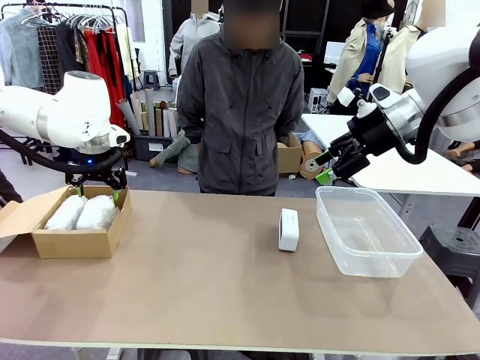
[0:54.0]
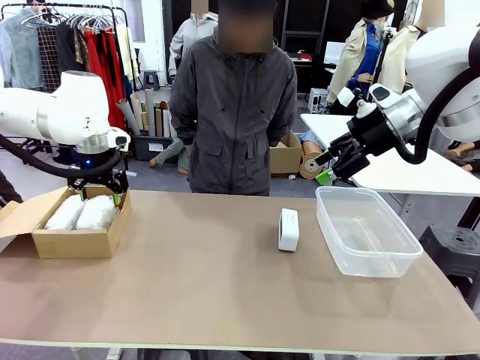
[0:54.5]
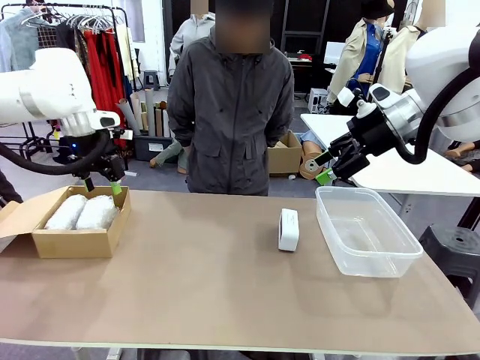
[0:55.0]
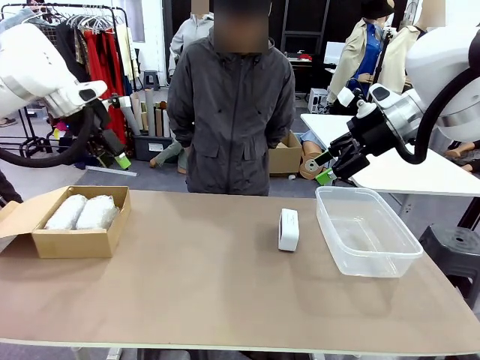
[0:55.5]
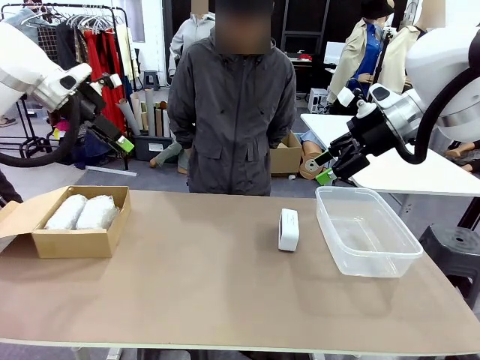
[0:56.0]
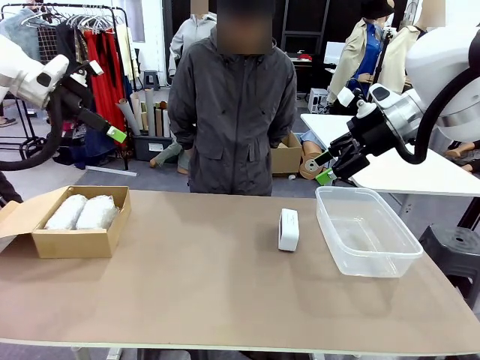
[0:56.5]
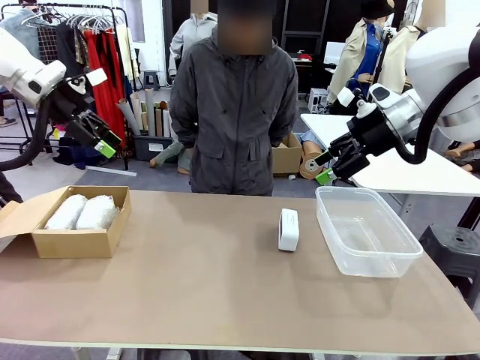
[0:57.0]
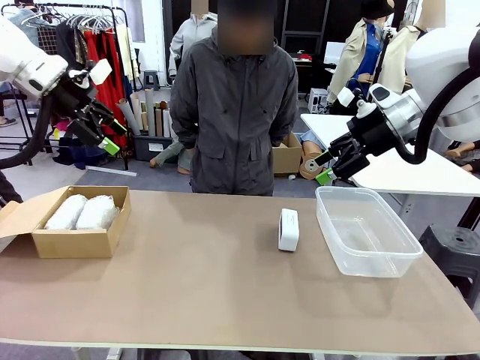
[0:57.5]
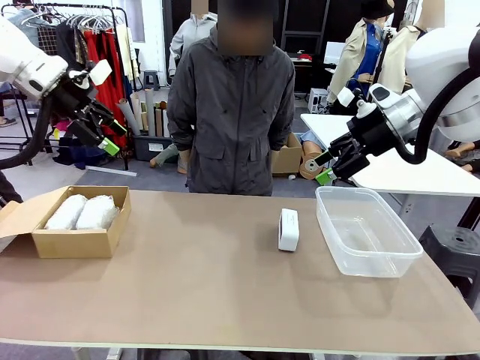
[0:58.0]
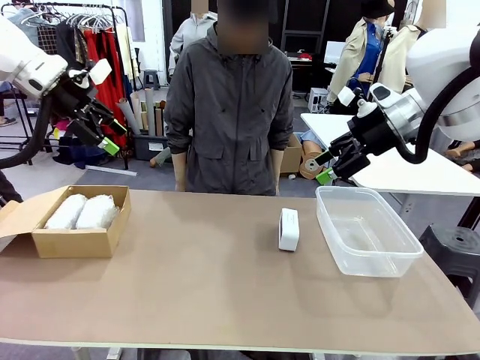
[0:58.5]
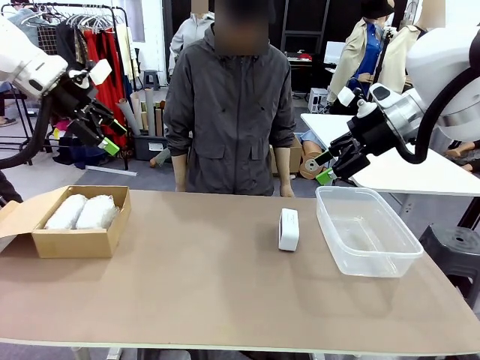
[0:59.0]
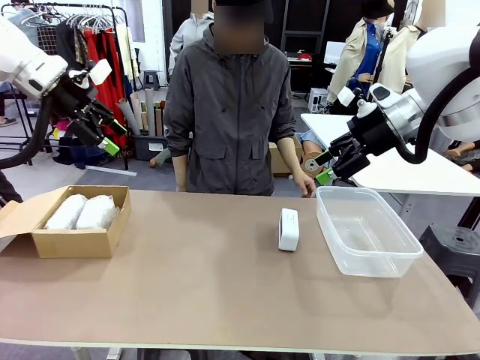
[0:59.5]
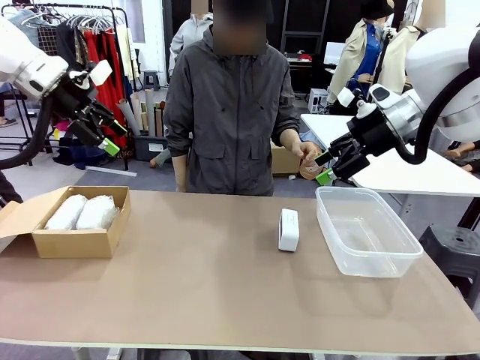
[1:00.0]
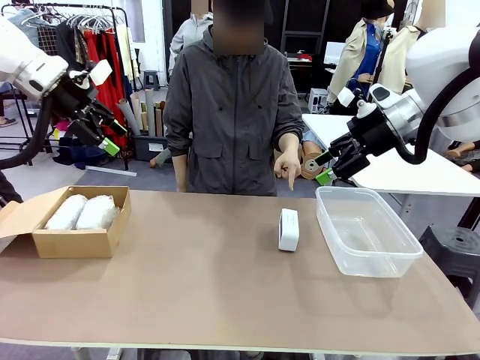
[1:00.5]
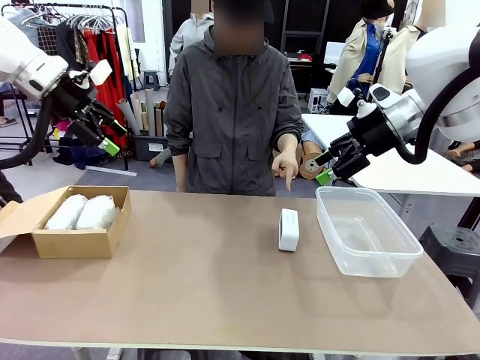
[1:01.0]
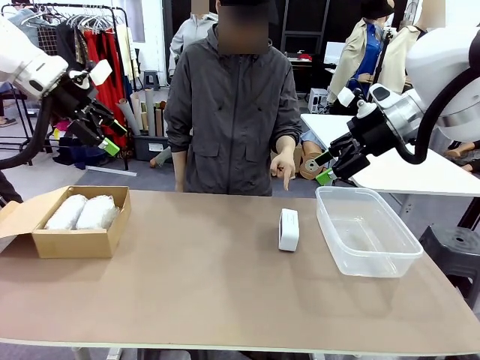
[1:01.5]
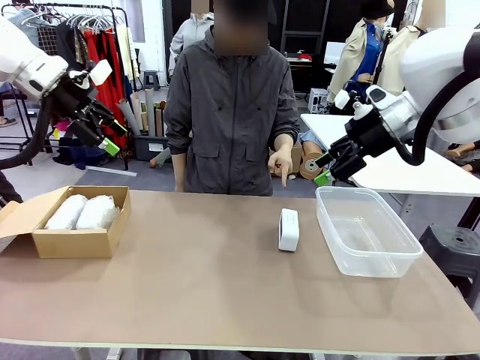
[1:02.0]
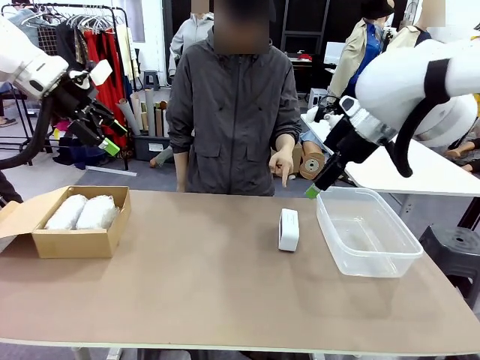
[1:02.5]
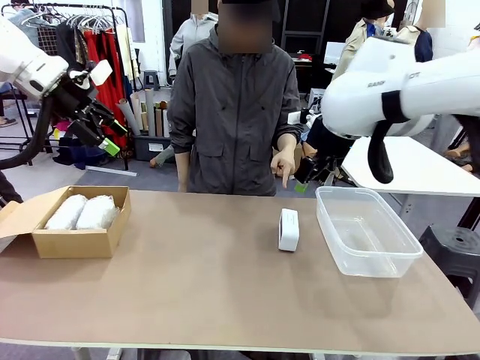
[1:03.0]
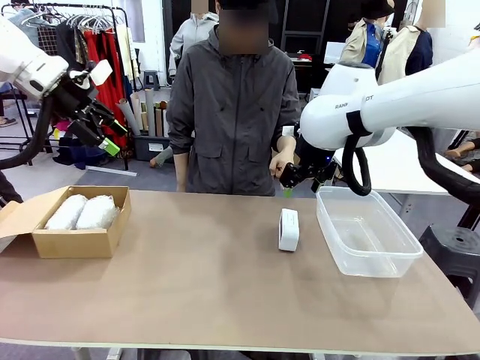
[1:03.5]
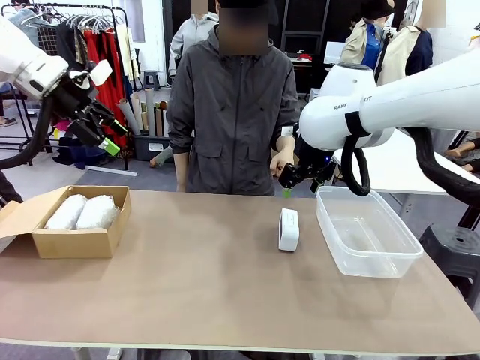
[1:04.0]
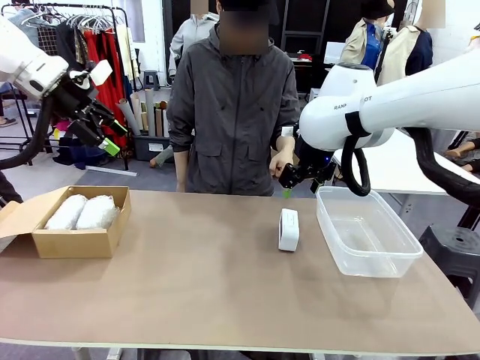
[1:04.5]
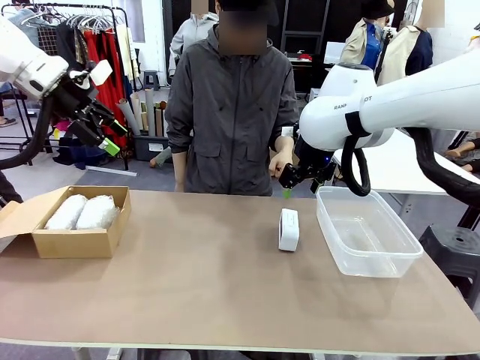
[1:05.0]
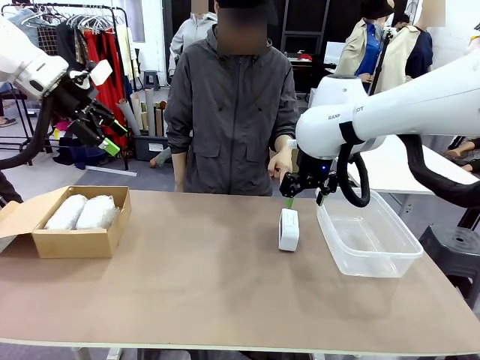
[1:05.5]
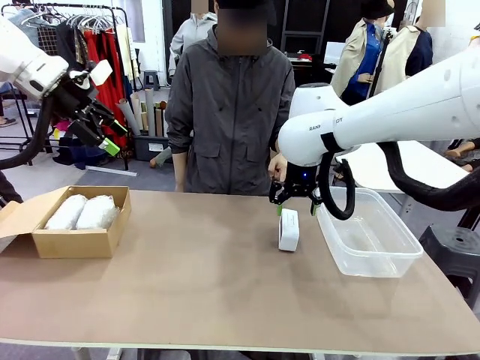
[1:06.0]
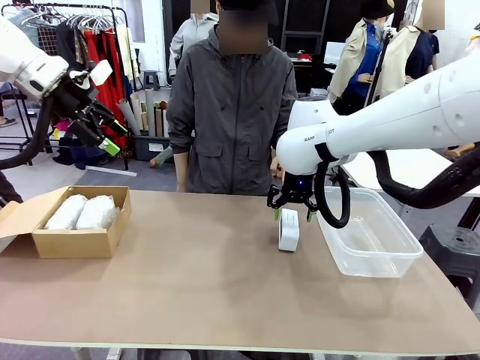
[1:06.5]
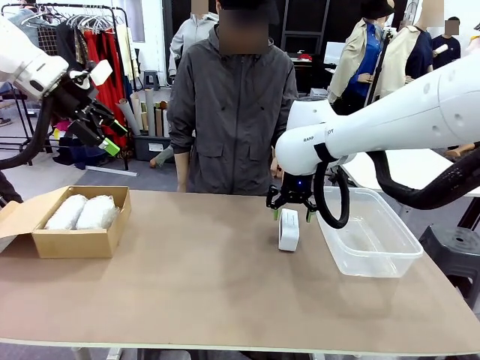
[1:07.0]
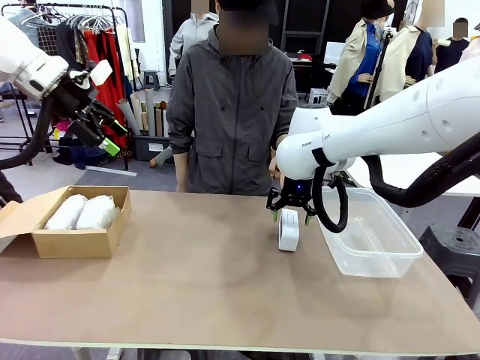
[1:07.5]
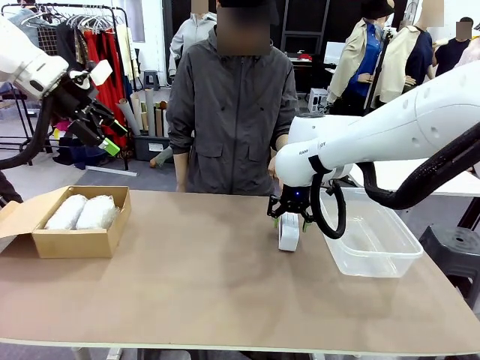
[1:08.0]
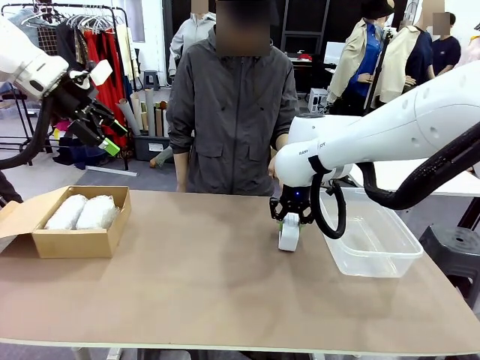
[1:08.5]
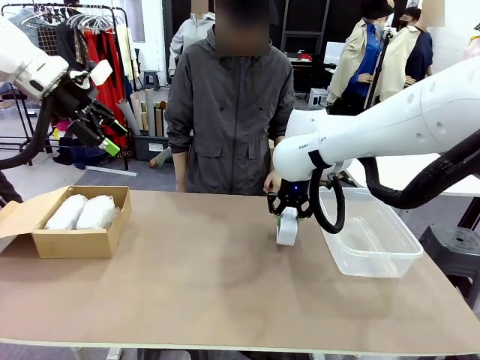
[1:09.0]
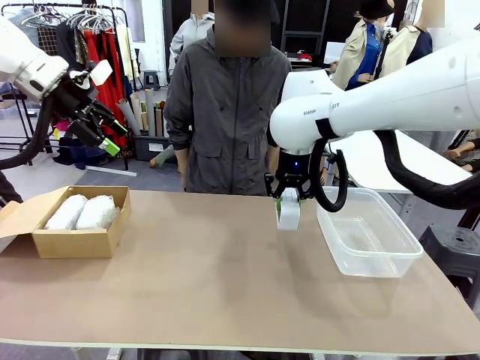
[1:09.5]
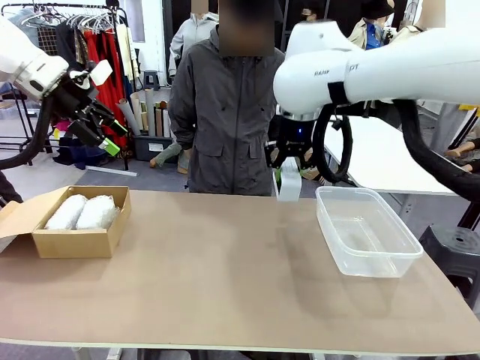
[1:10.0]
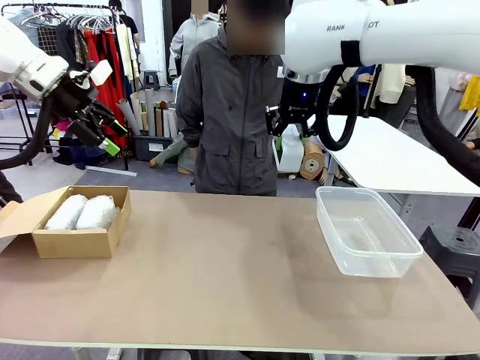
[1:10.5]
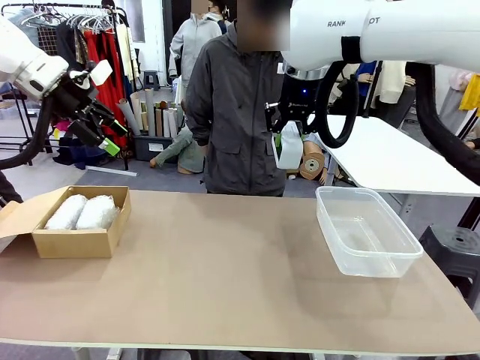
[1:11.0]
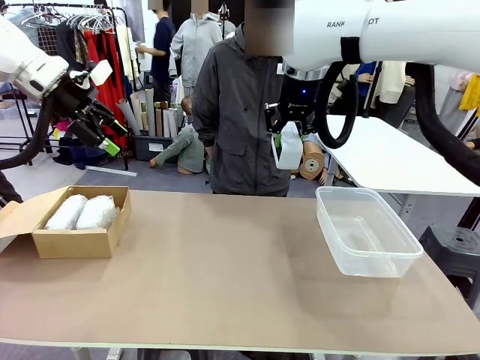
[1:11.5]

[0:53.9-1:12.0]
Task: Separate and place wrapped and unwrapped clocks.
Robot: Pick up the Digital clock indicated by the person.
